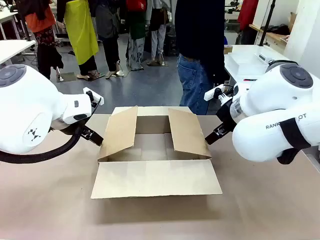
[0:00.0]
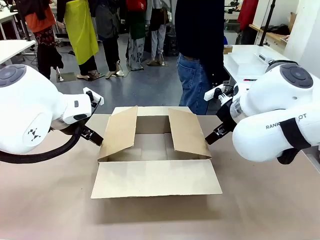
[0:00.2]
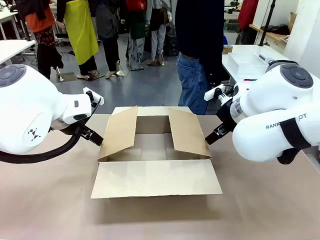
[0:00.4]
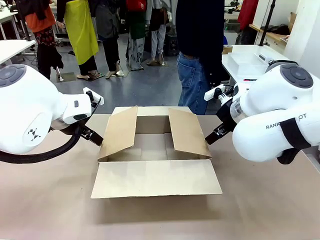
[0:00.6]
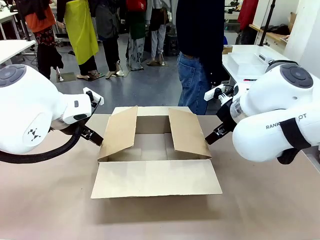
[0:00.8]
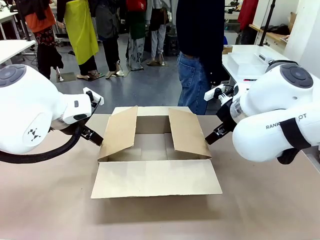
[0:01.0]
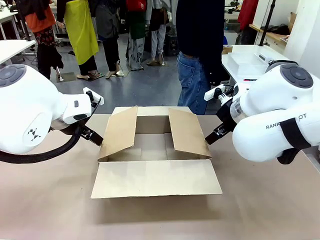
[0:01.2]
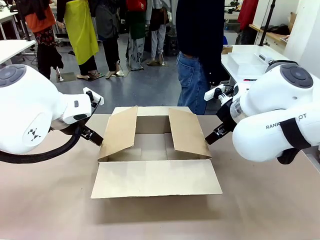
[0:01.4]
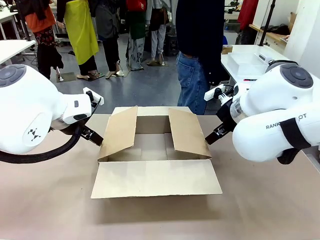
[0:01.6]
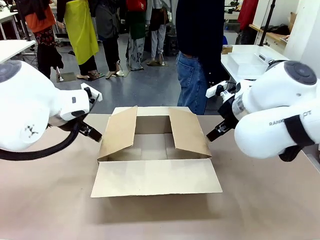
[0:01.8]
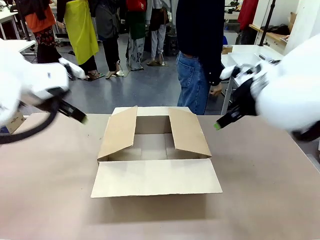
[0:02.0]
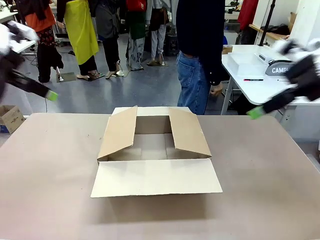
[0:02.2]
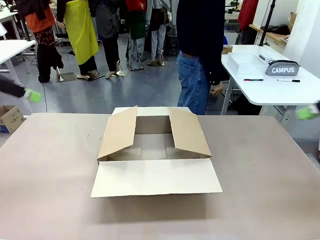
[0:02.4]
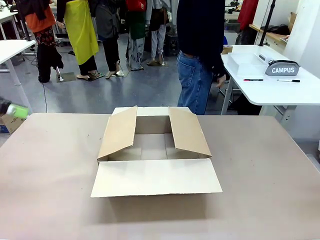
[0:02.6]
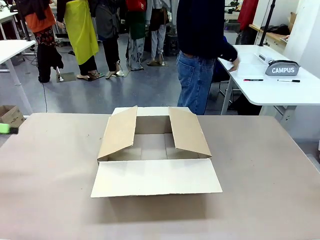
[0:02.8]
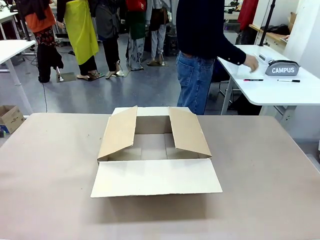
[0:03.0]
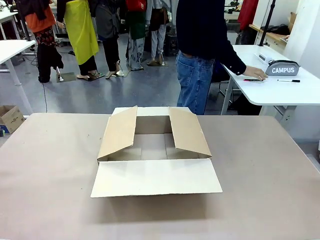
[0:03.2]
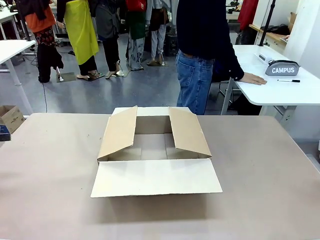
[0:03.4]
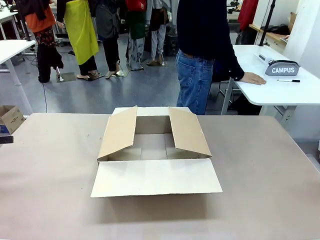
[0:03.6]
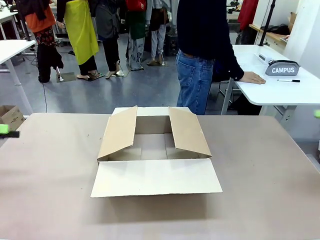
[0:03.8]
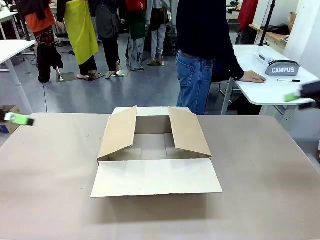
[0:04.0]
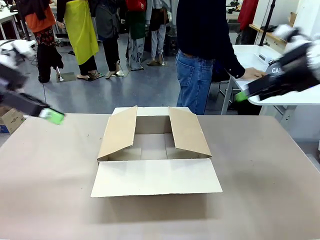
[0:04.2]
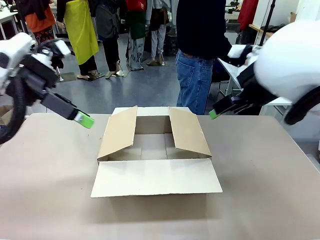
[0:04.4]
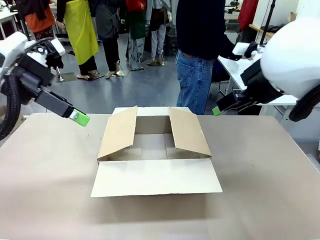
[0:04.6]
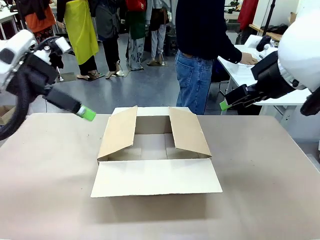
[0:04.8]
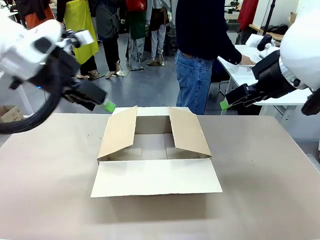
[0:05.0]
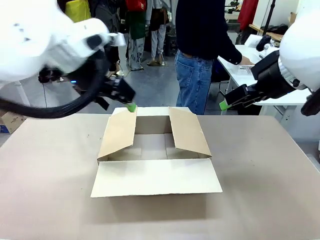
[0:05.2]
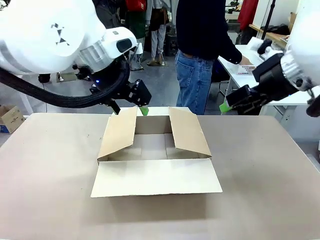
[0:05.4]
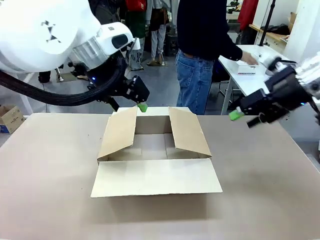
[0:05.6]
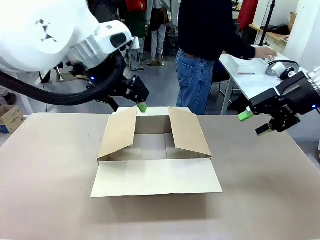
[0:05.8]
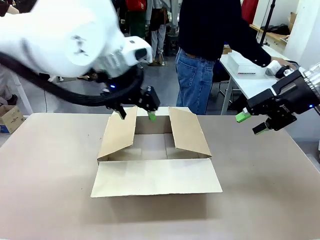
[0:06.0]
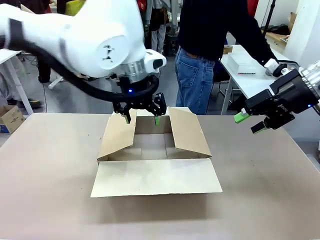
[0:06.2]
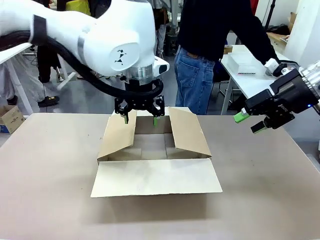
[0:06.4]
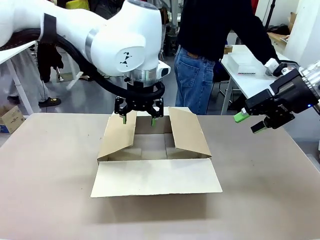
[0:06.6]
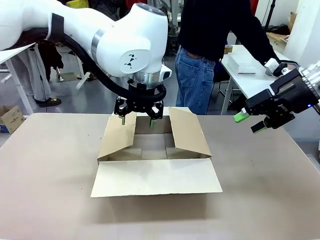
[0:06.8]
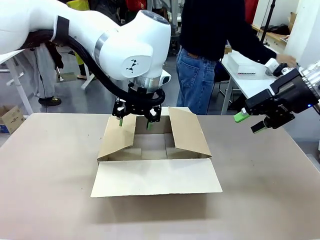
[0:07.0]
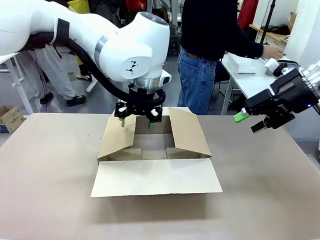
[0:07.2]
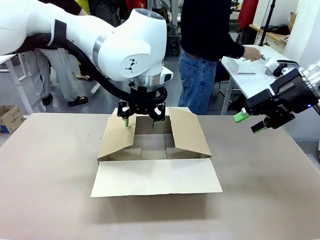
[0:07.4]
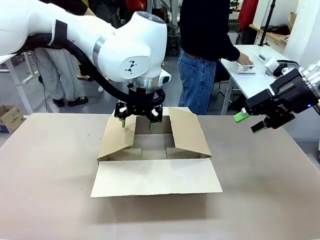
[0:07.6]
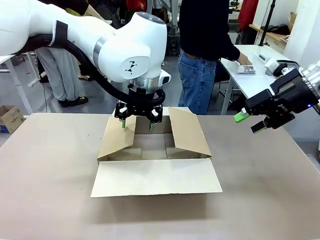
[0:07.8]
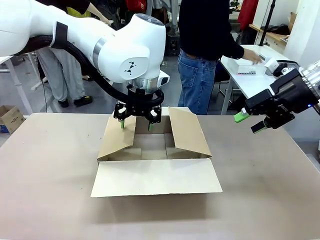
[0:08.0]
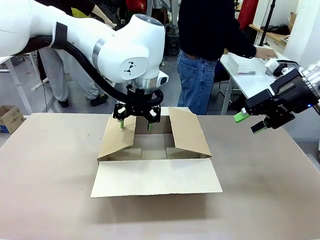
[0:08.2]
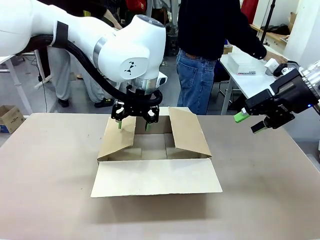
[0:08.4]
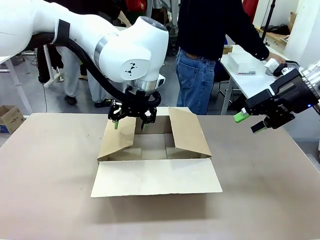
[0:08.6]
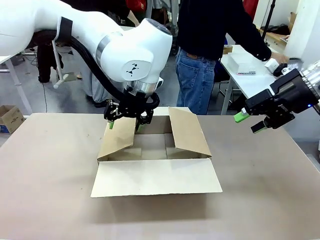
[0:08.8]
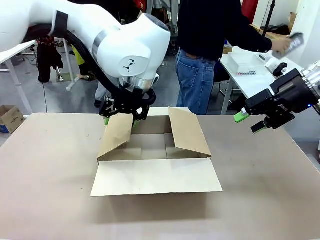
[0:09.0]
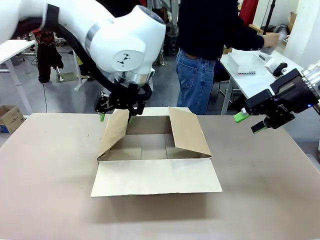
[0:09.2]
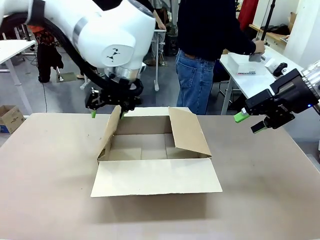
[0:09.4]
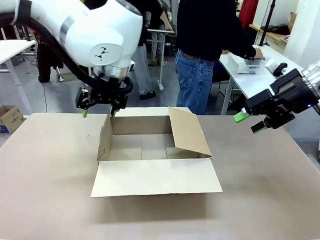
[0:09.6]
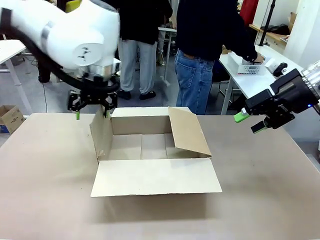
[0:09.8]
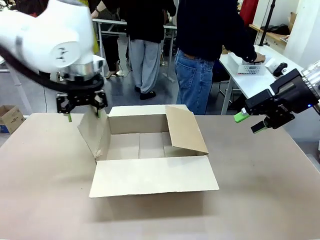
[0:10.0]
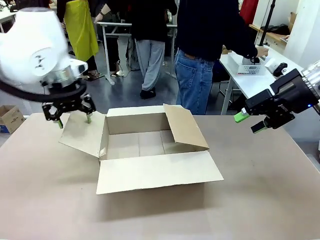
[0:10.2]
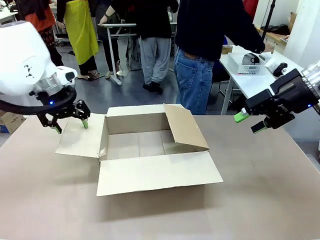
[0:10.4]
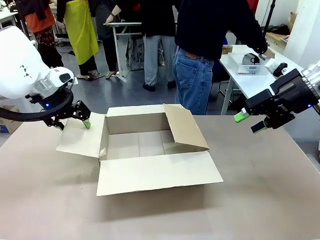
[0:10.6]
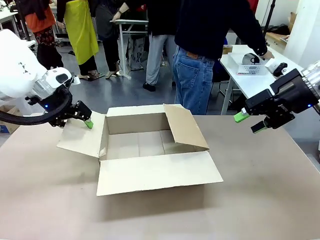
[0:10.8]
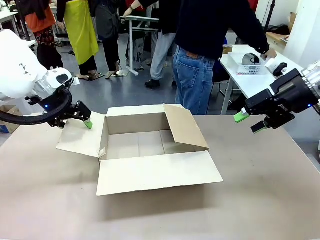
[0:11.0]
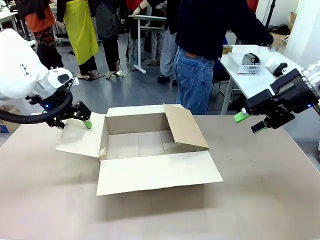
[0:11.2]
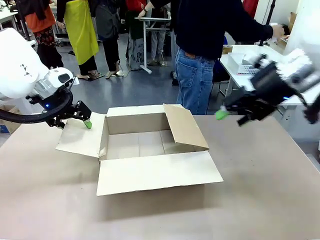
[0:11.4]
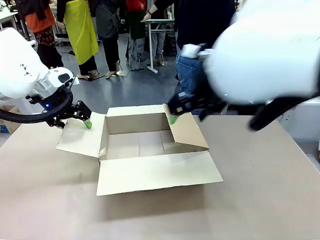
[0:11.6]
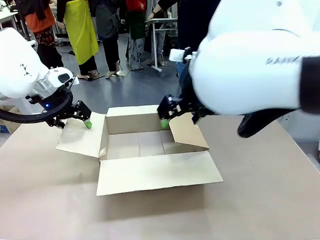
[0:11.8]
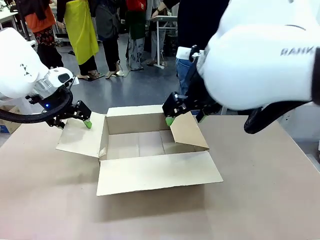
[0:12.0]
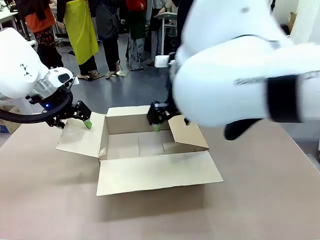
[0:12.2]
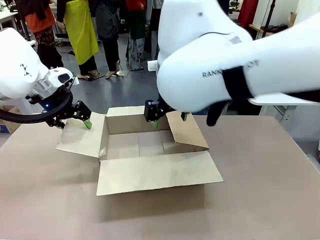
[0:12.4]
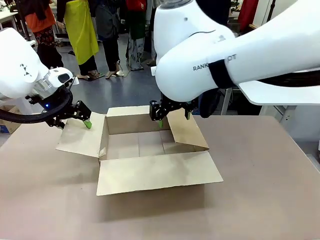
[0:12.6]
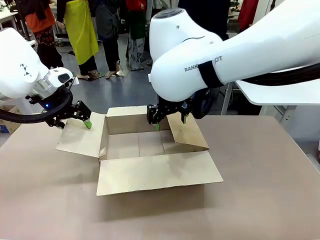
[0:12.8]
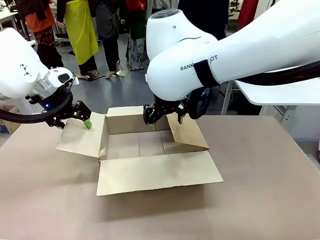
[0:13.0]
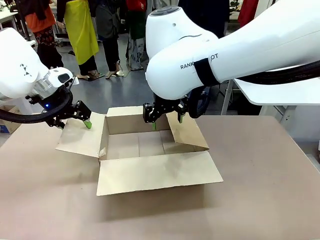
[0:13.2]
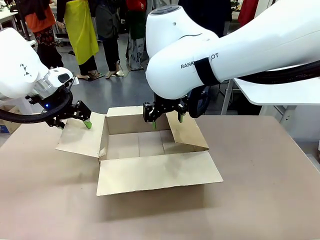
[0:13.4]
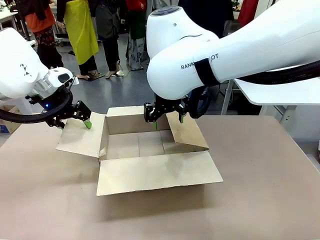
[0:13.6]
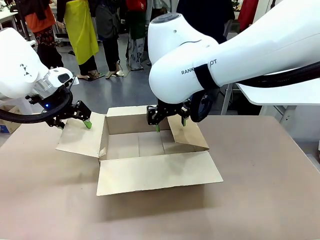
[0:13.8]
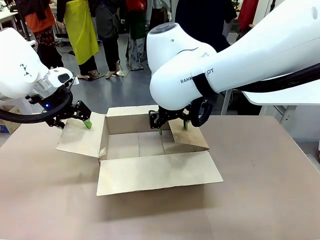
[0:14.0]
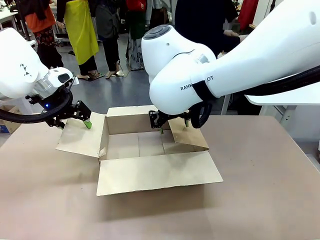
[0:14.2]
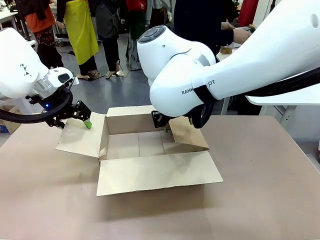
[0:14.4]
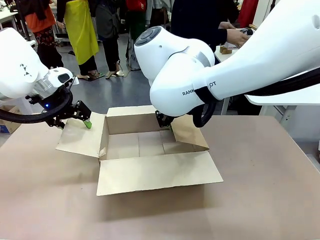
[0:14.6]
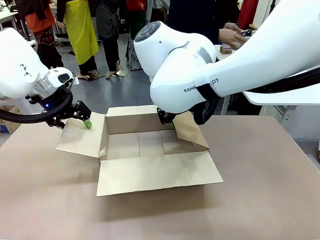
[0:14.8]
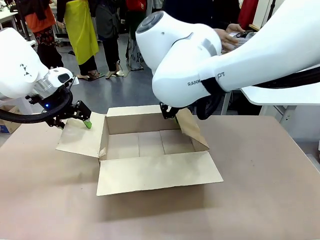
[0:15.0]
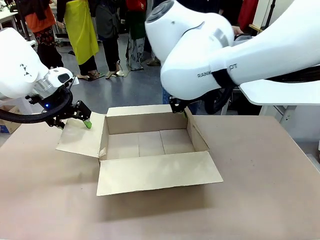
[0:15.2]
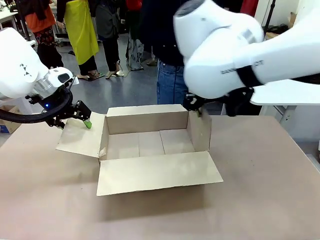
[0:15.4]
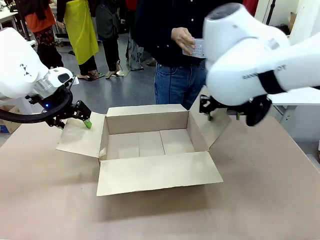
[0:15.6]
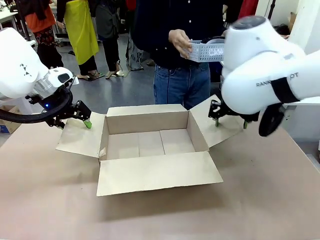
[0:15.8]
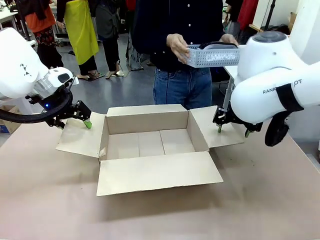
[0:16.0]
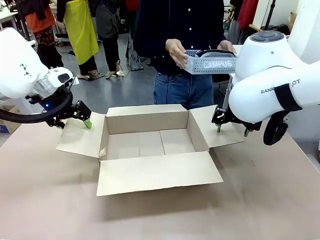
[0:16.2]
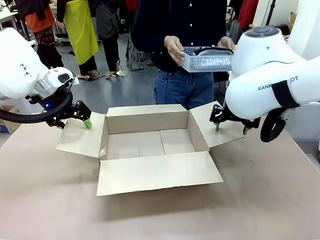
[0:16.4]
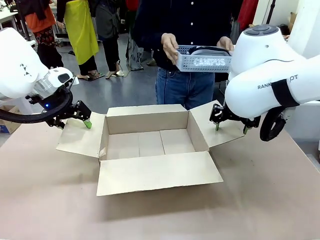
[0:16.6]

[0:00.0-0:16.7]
Task: Pack the gift set into the box.
Robot: Place both hands on the side flaps of the Package Box and spread them outward.
Person: The human places all items except the paper tape into the organizing basket.

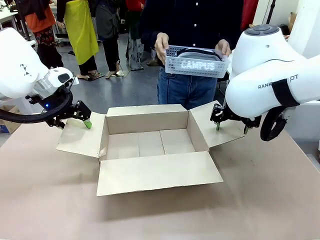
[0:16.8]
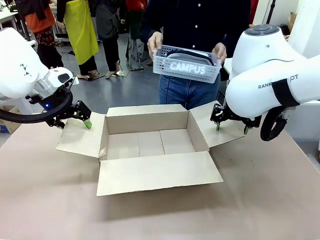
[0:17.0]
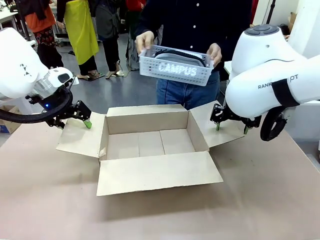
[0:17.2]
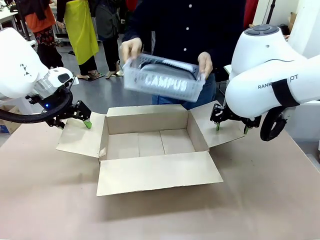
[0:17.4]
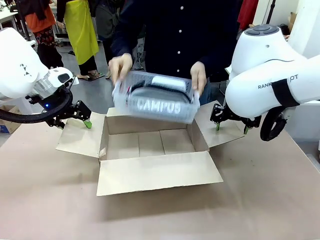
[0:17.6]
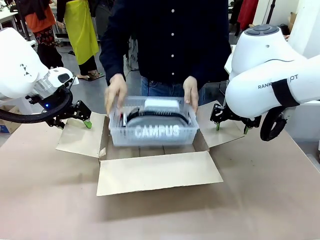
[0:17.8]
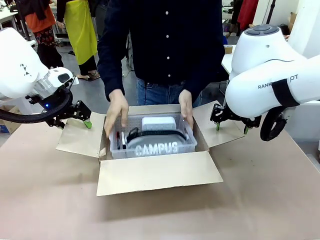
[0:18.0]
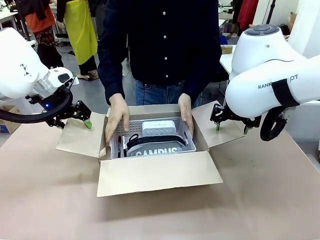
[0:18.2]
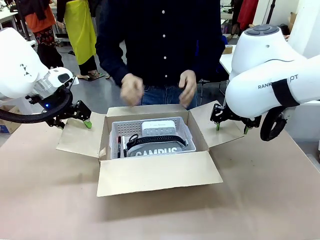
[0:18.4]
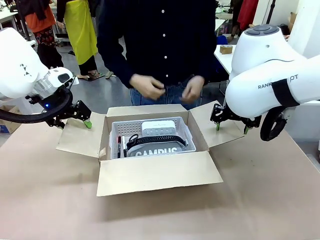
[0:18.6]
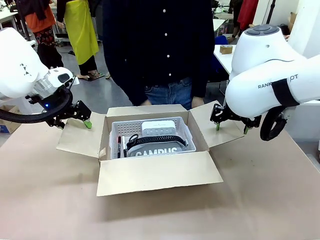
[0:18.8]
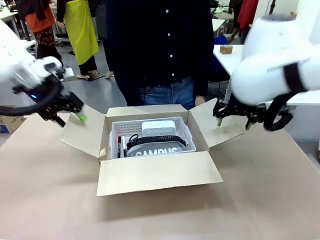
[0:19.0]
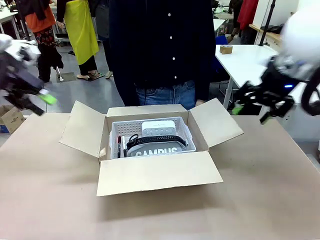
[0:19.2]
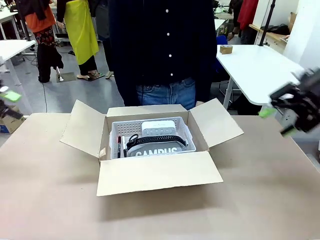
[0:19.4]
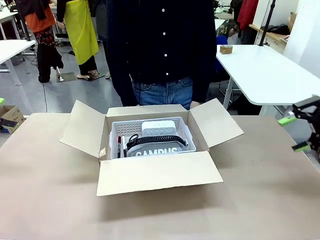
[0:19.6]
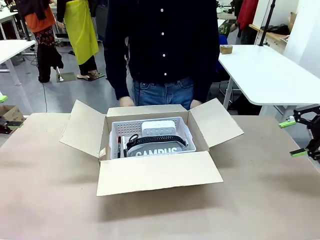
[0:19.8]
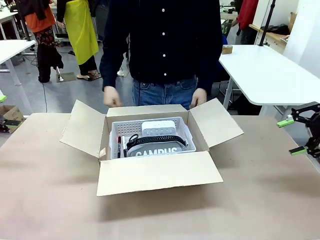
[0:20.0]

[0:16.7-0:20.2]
Robot: Lift both hands away from the flaps of the Package Box.
Person: The human picks up the organizing basket and places the organizing basket into the package box on the robot table.
